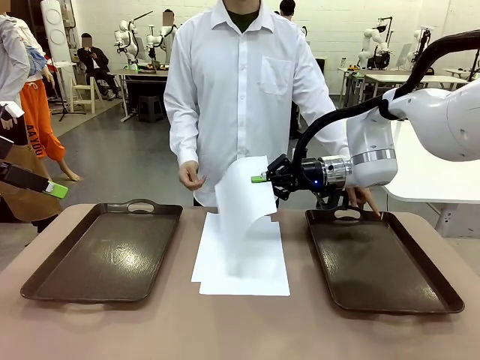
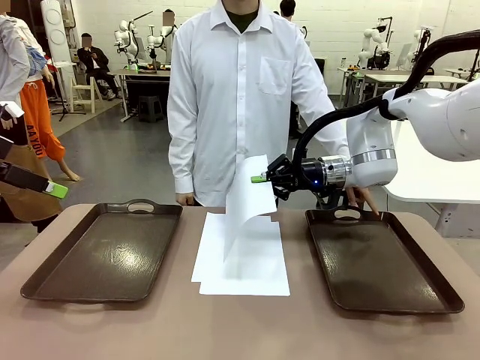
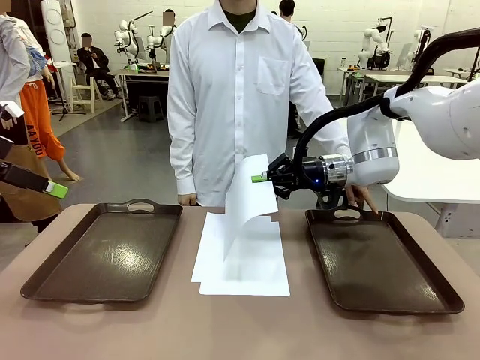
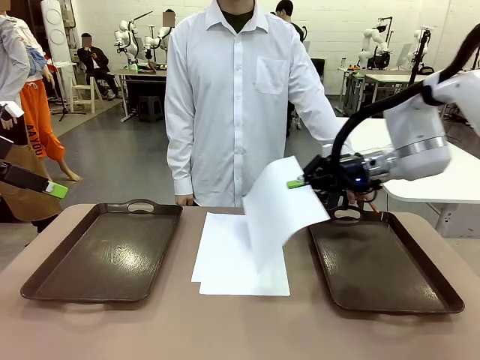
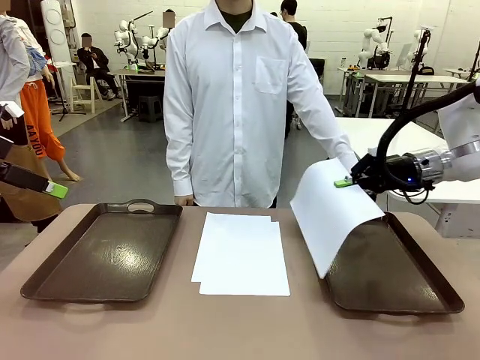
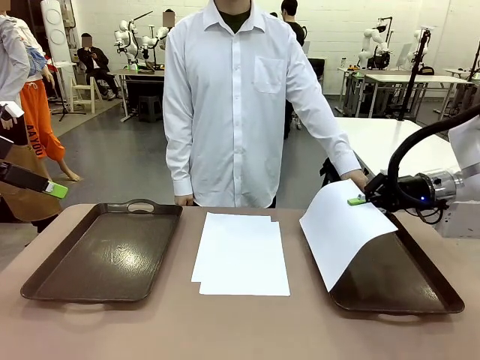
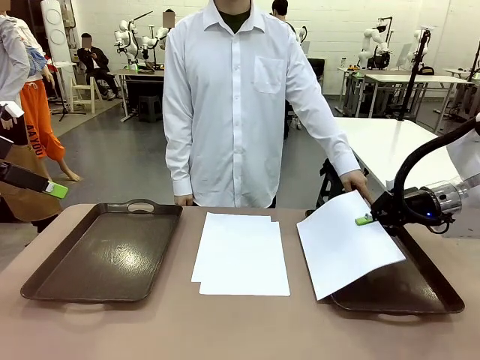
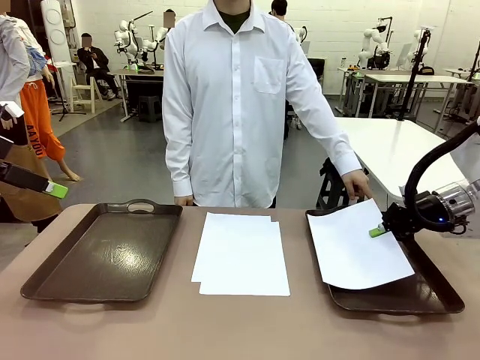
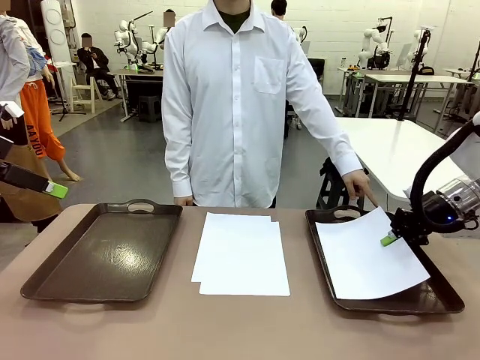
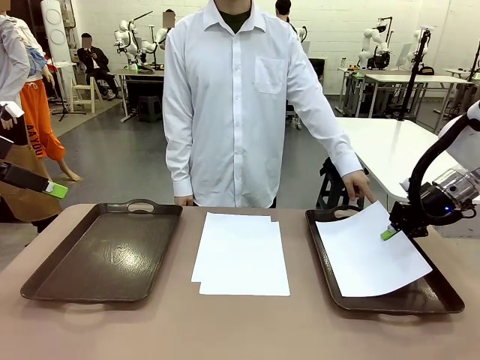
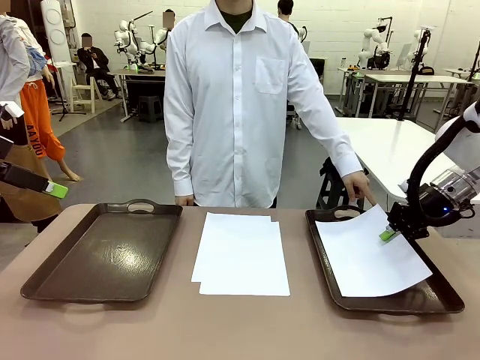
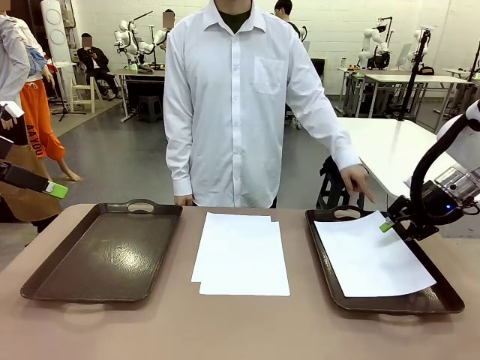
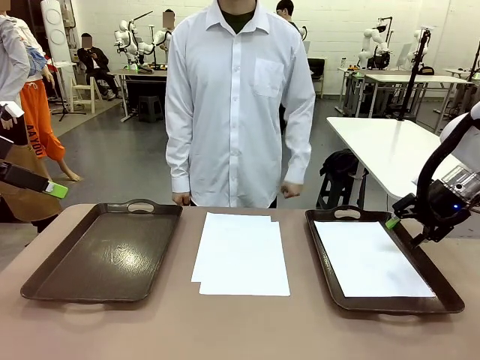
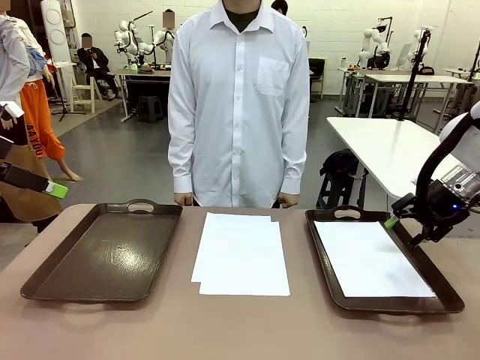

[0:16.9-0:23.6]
Task: Sort the A4 documents.
Robot: Place the A4 Paper in the designated Handle tray.

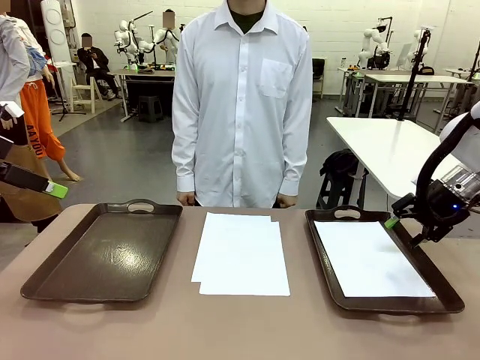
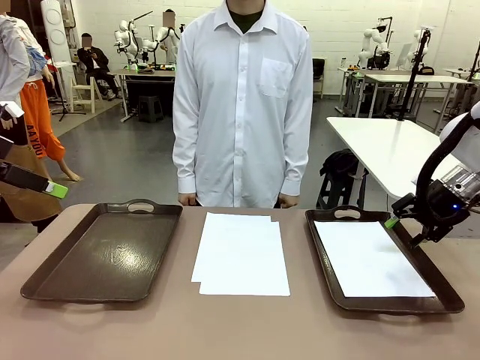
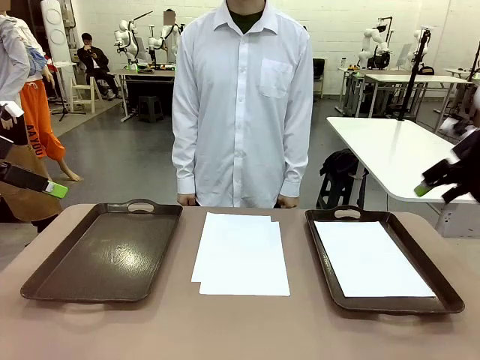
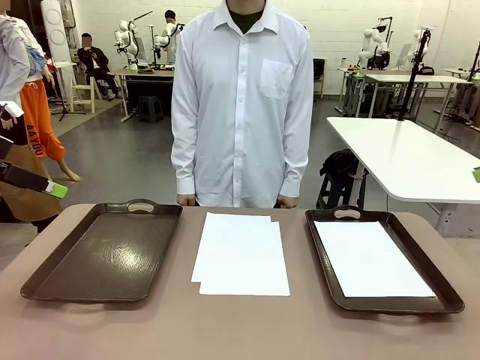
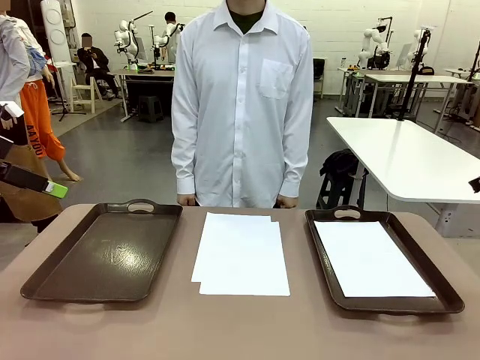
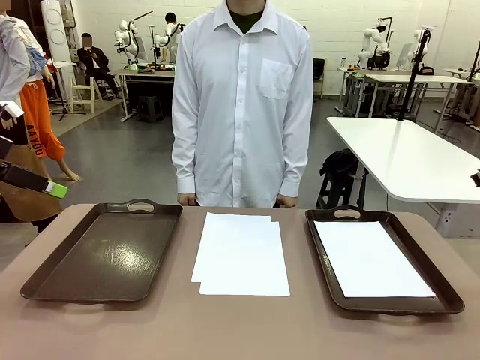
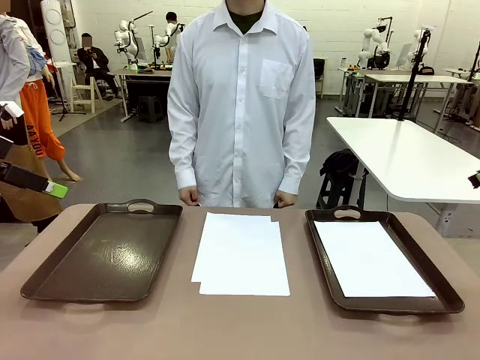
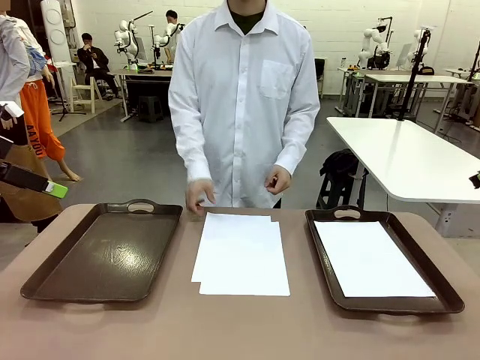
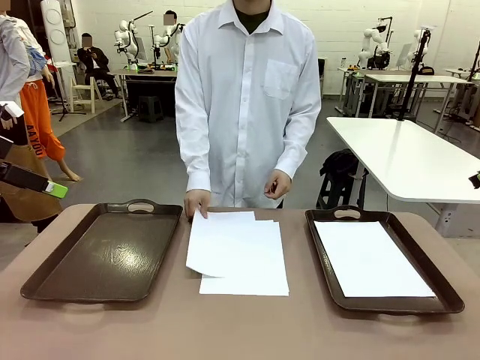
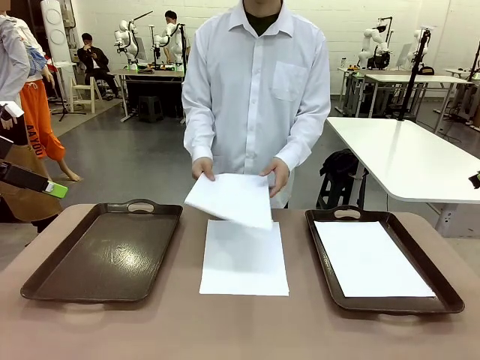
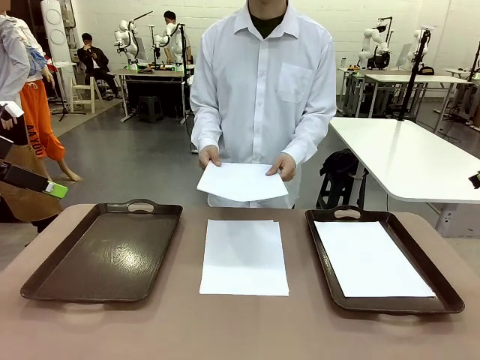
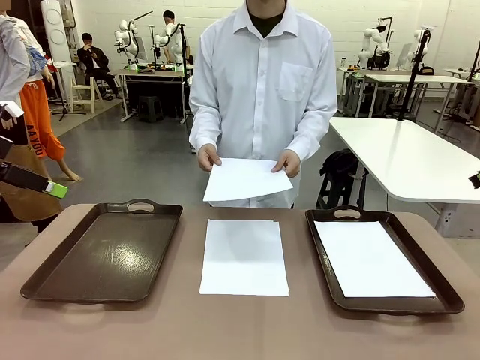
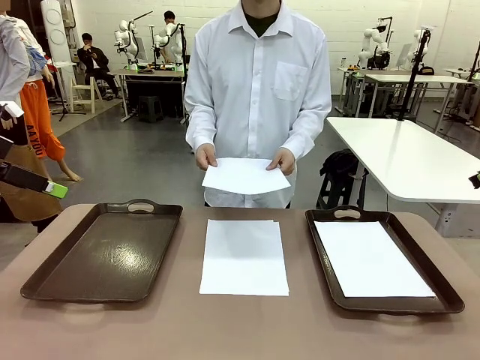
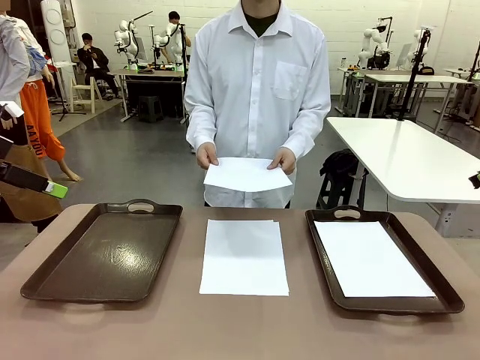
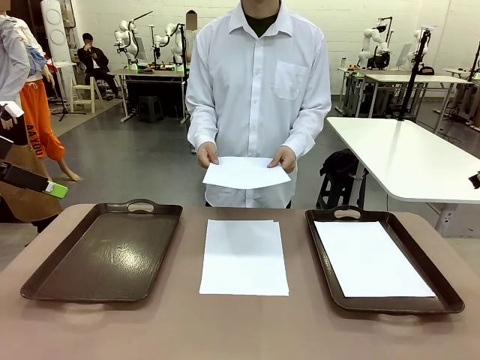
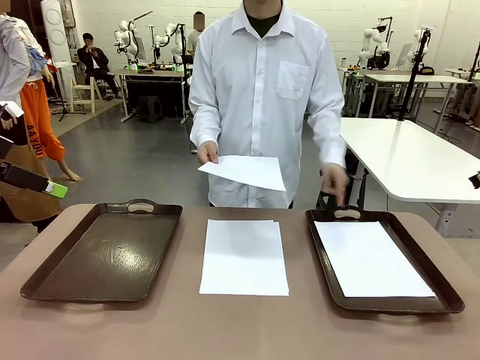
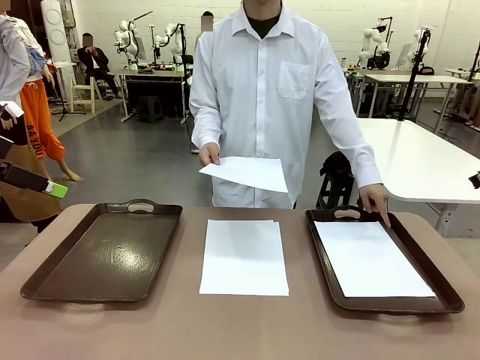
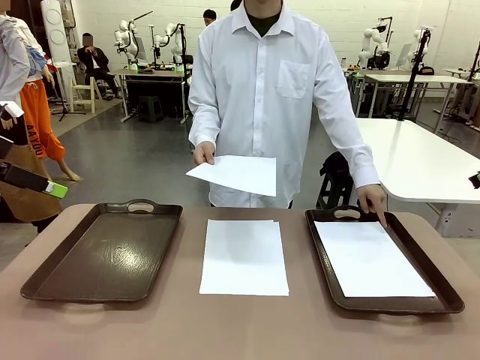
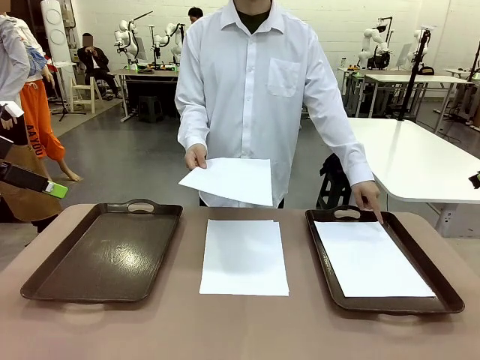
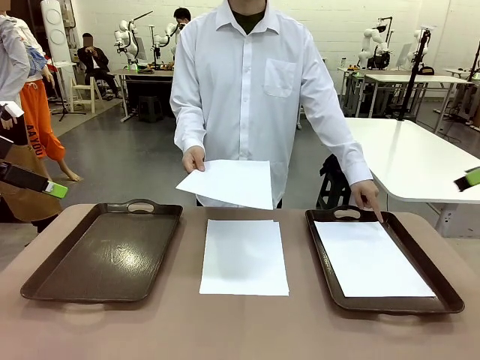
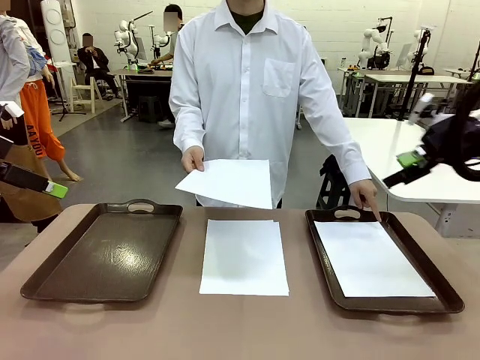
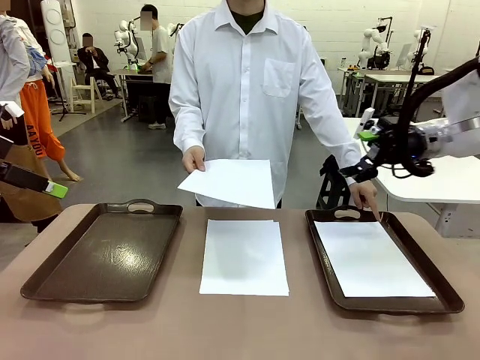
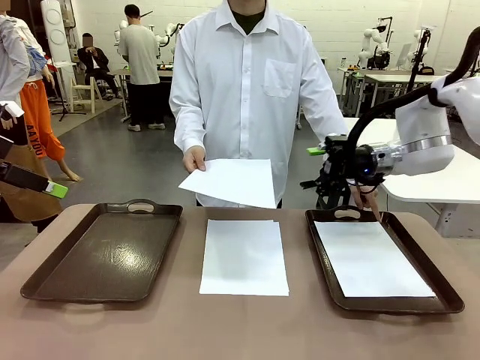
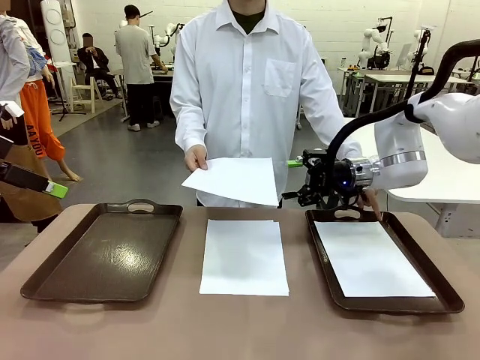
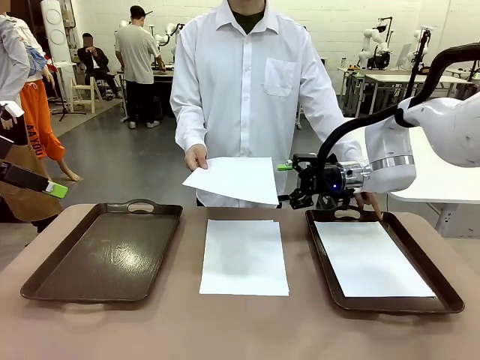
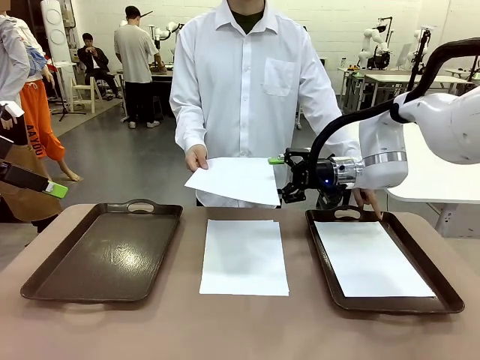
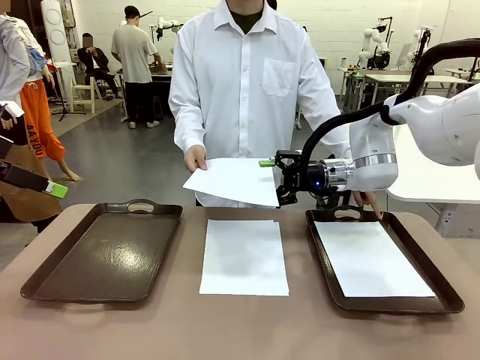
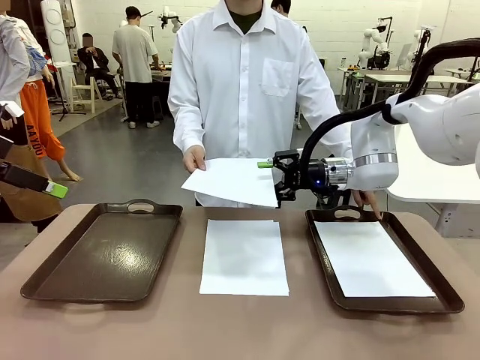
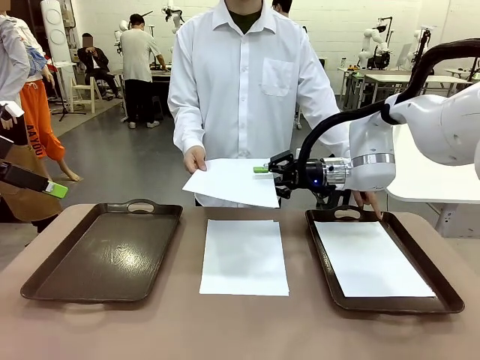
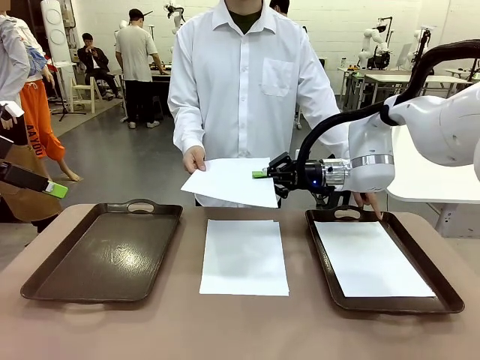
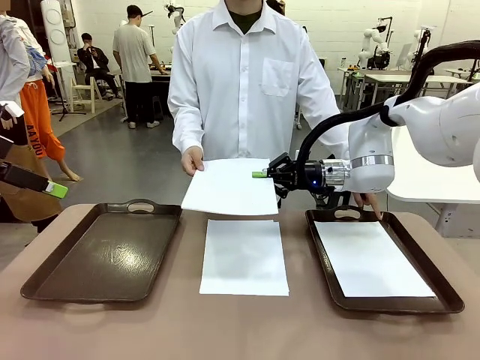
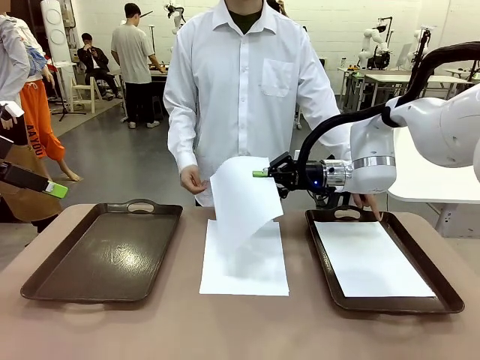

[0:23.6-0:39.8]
Robot: Receive the A4 Paper.
Person: Point the randomly selected tray with the other hand.

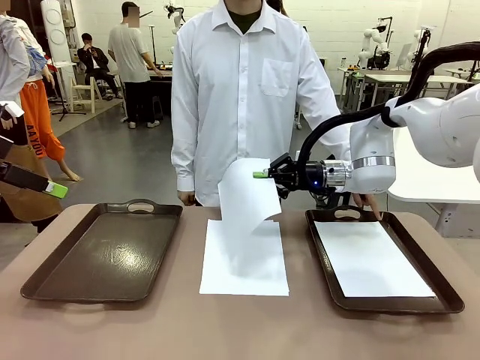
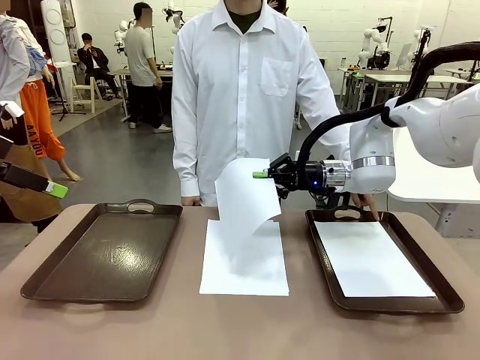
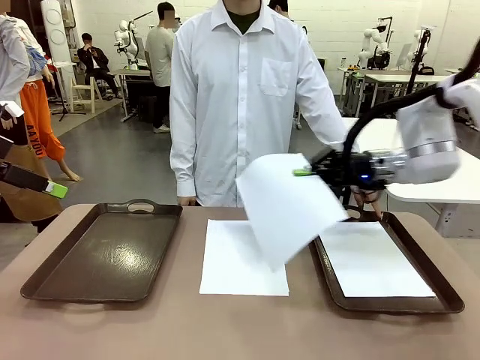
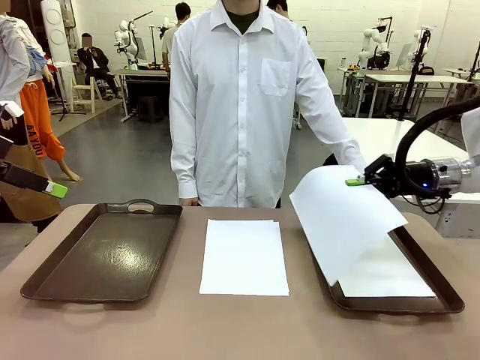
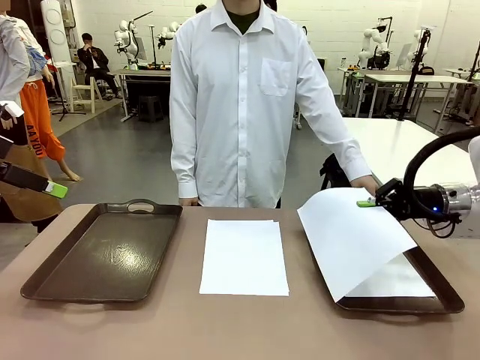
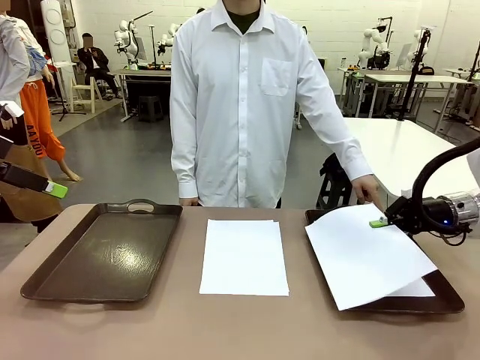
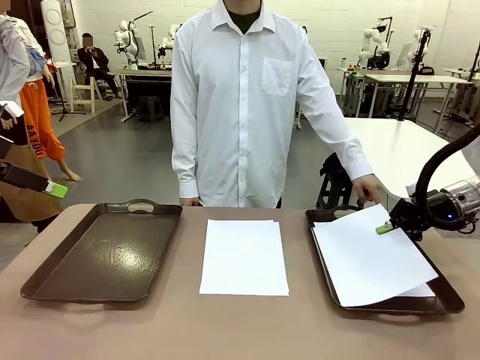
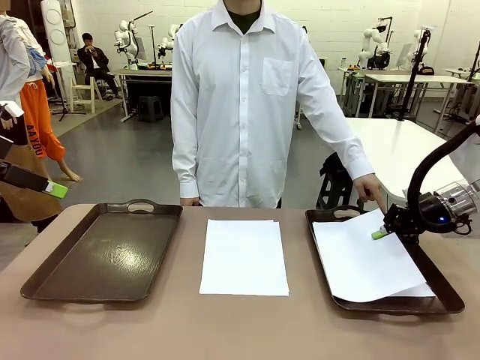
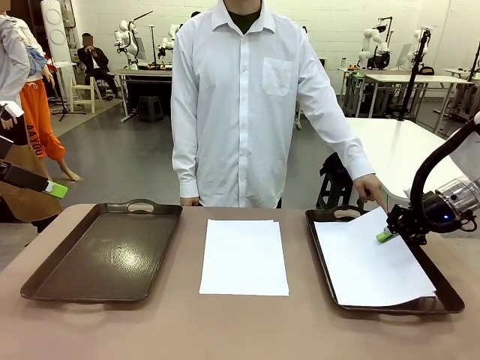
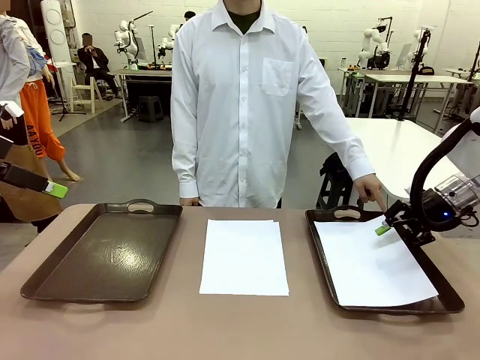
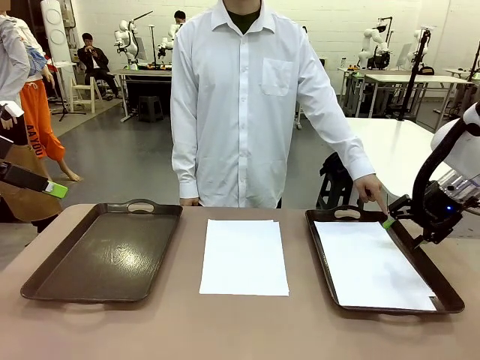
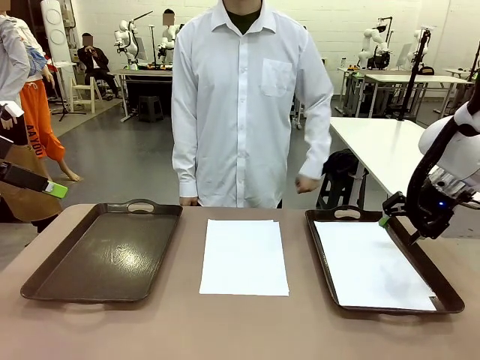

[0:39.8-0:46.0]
Robot: Place the A4 Paper in the designated Handle tray.
